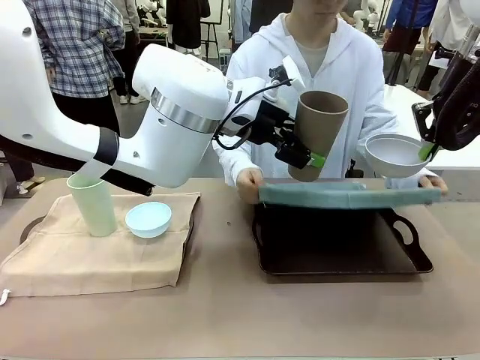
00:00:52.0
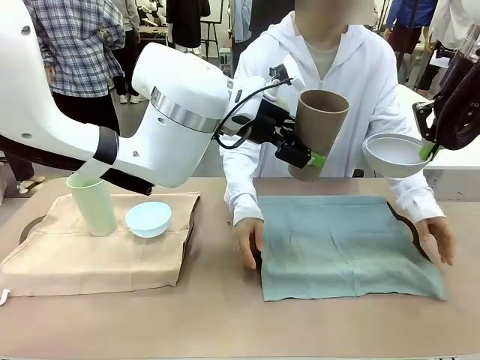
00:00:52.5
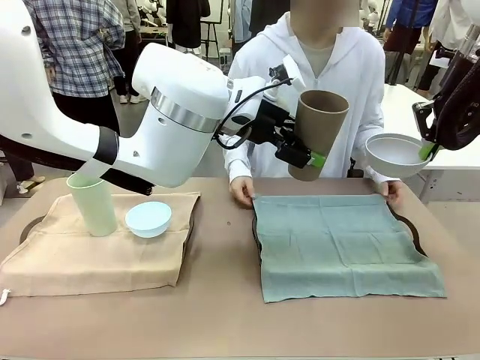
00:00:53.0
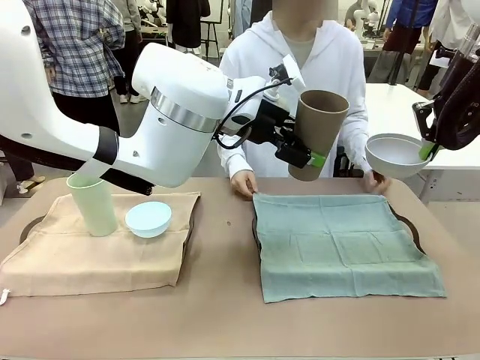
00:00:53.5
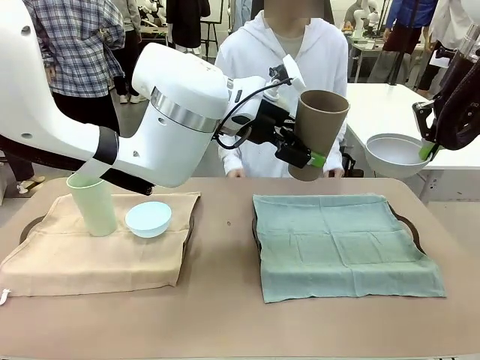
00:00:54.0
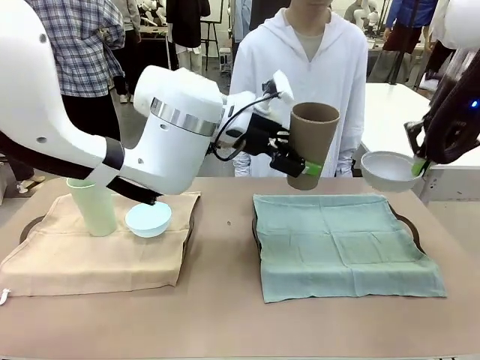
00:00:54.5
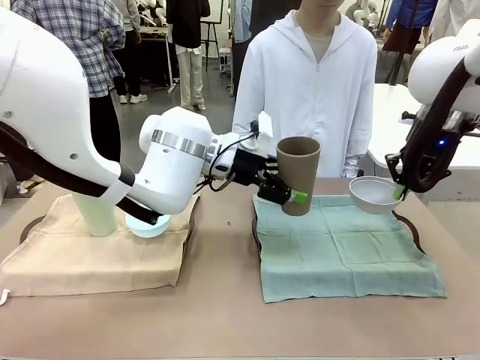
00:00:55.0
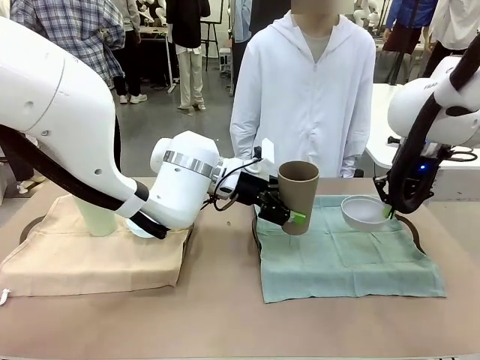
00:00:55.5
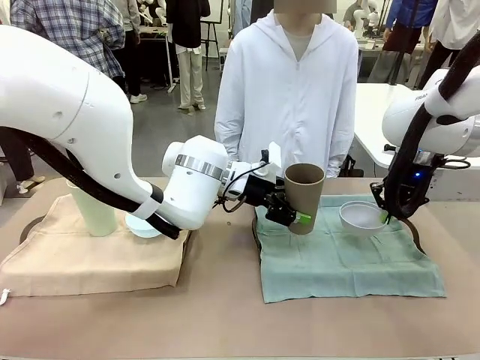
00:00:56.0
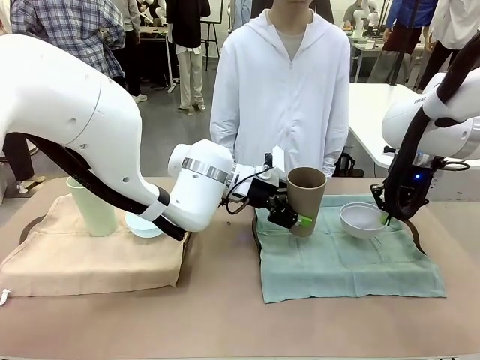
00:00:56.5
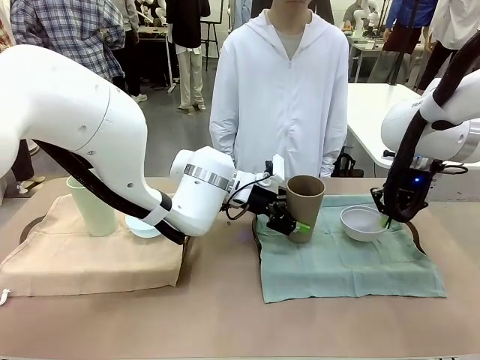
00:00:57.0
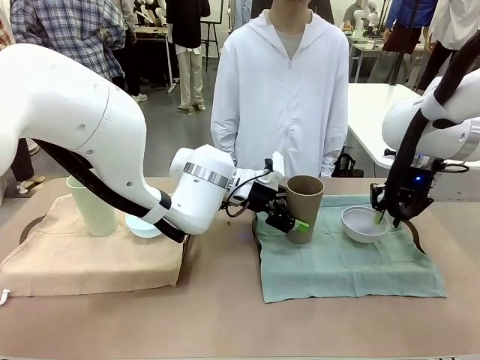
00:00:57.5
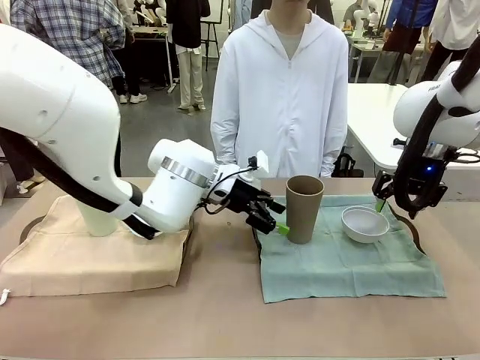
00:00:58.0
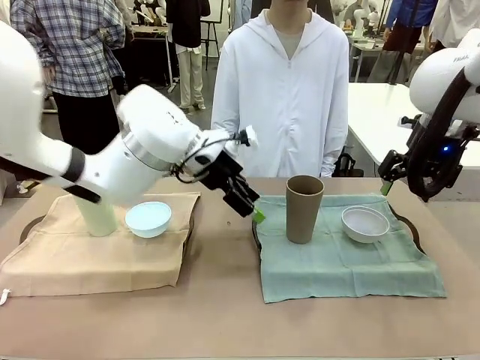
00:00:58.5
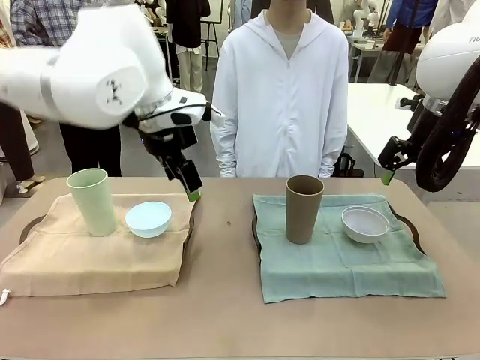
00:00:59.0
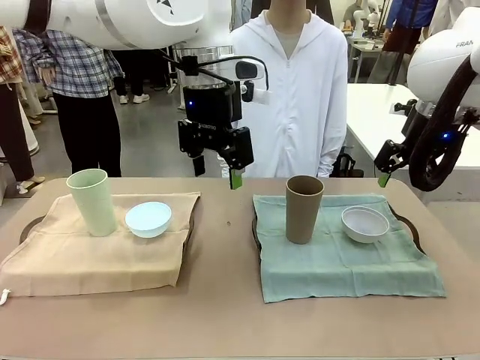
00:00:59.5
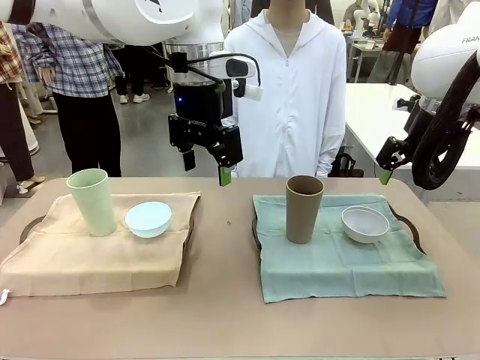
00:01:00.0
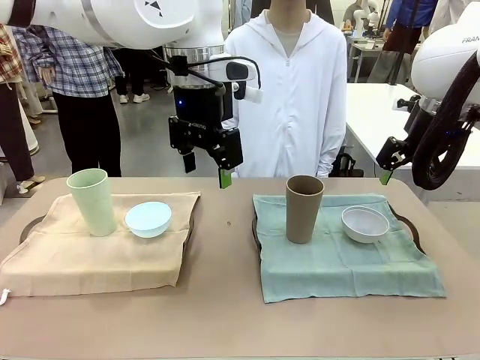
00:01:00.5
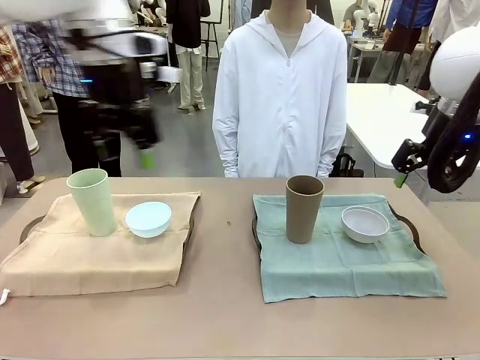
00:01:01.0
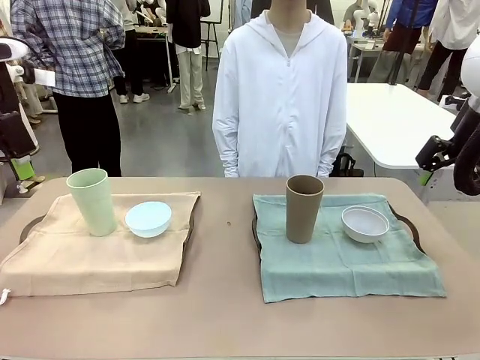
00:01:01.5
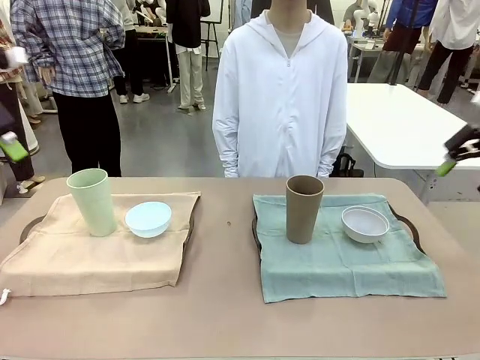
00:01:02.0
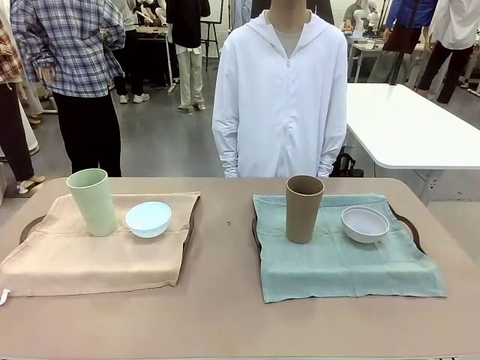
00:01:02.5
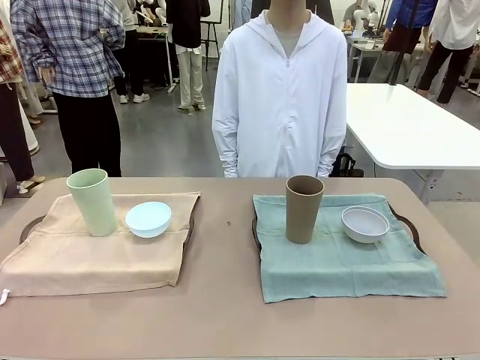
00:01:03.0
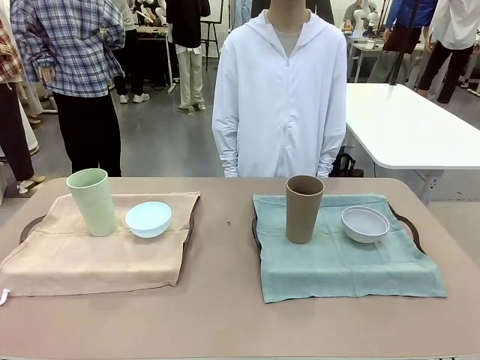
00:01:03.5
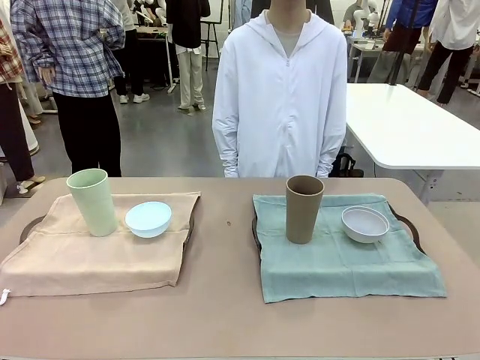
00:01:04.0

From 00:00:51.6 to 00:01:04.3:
Robot: Place the Picnic Bowl and Reusable plastic cup back onto the Handle tray in front of the human's position.

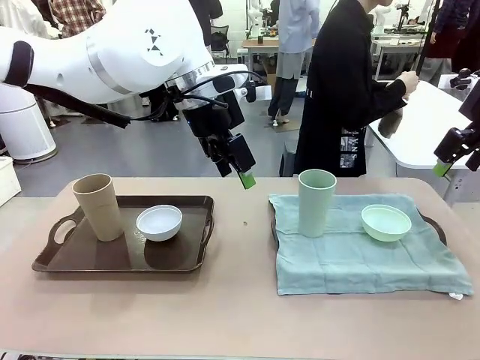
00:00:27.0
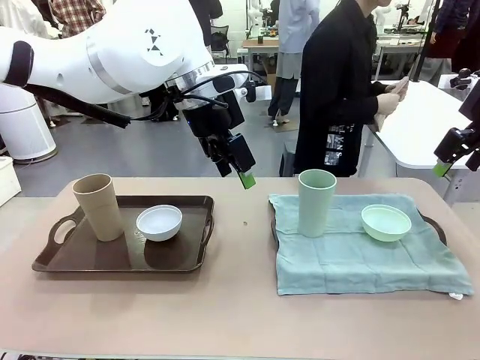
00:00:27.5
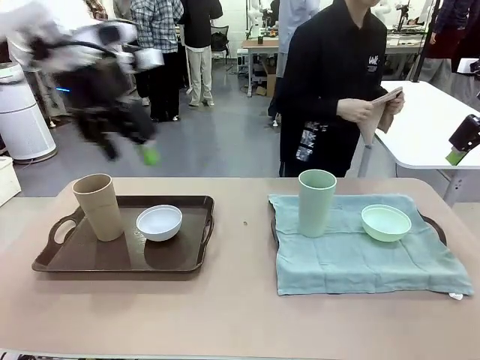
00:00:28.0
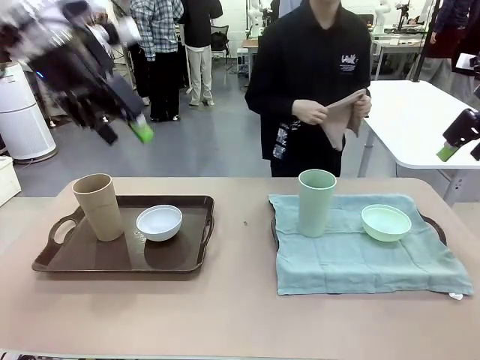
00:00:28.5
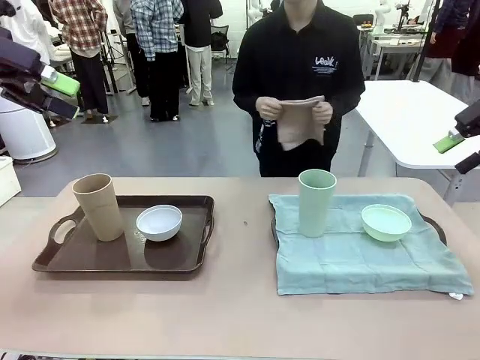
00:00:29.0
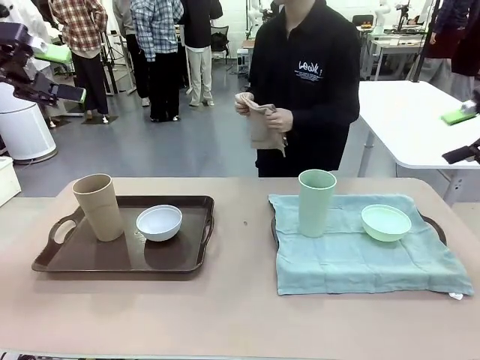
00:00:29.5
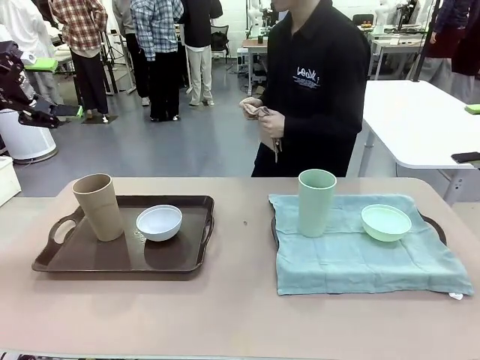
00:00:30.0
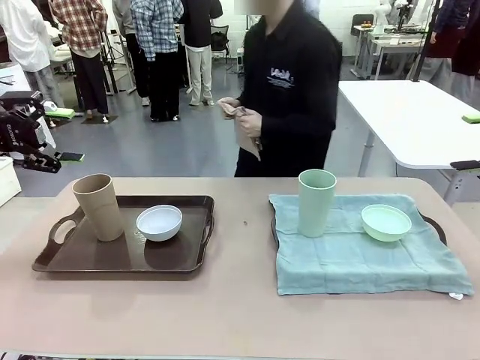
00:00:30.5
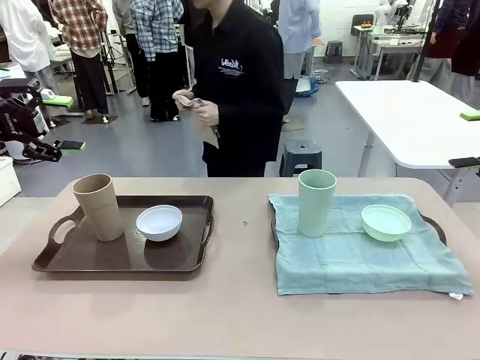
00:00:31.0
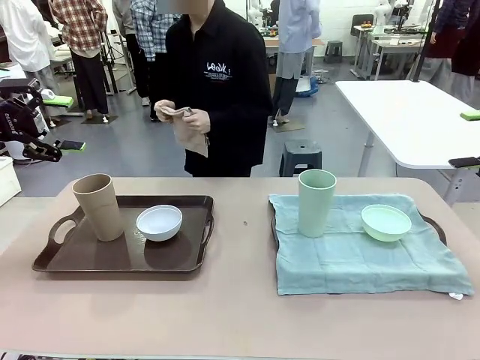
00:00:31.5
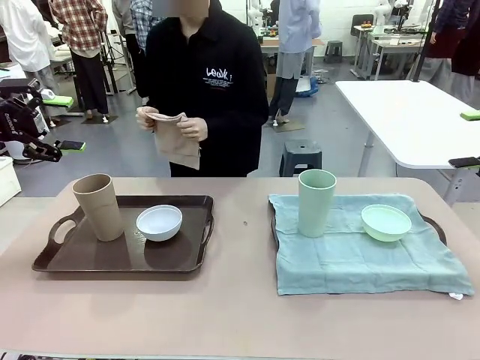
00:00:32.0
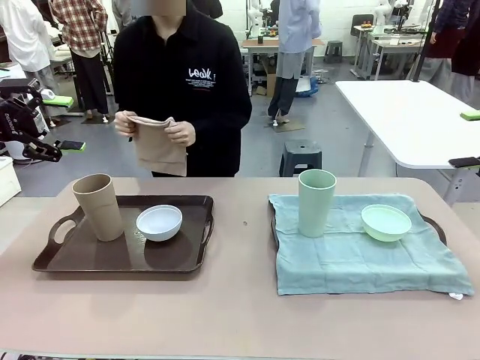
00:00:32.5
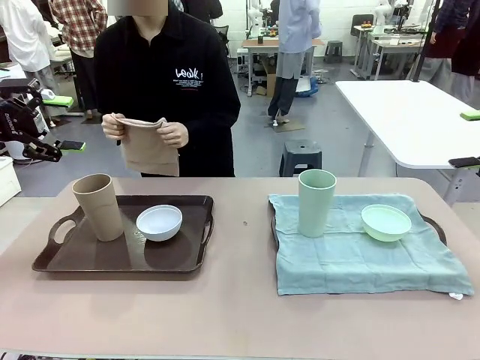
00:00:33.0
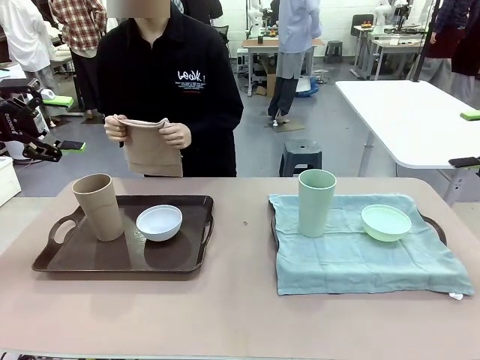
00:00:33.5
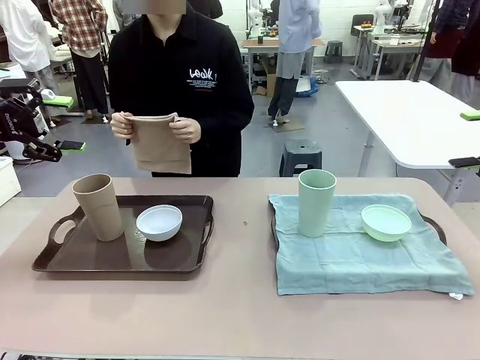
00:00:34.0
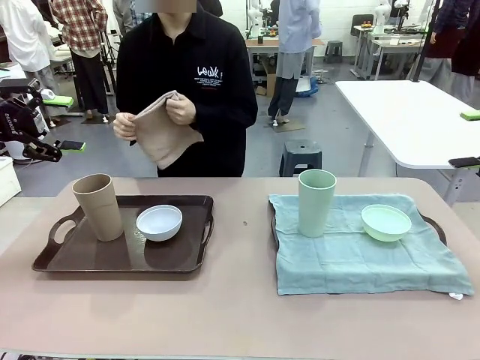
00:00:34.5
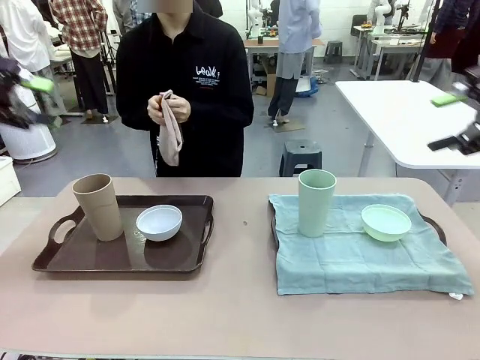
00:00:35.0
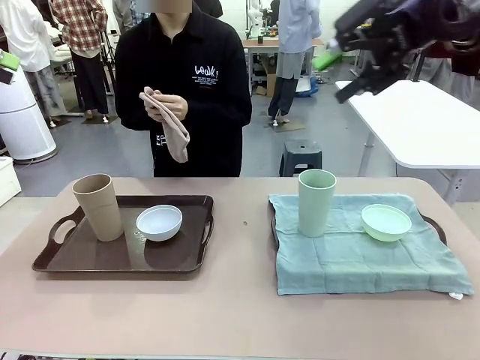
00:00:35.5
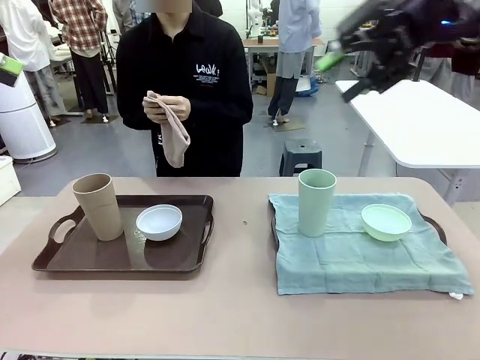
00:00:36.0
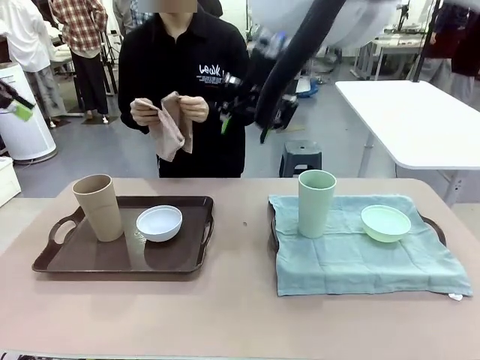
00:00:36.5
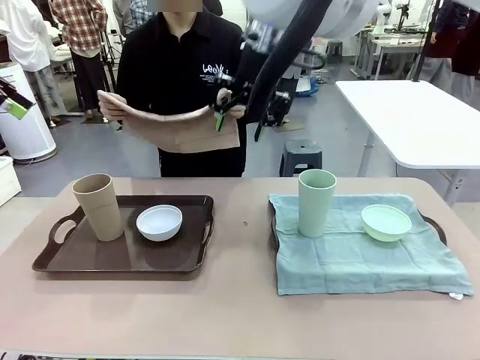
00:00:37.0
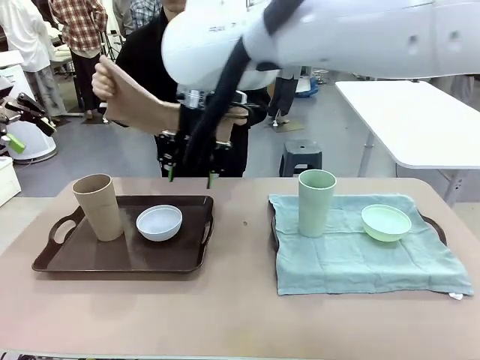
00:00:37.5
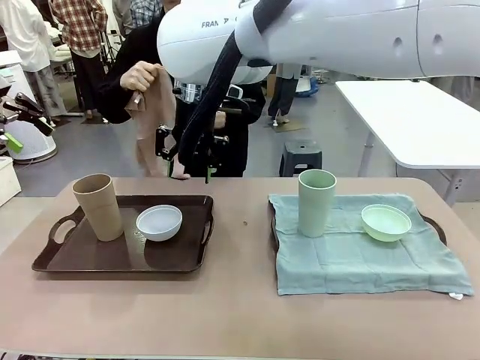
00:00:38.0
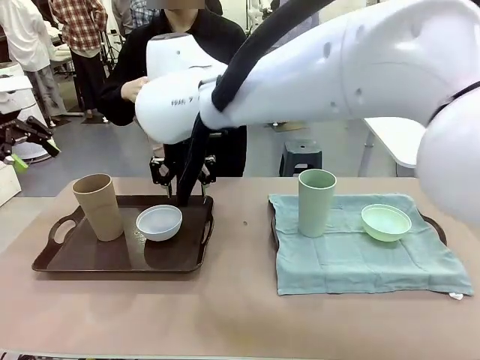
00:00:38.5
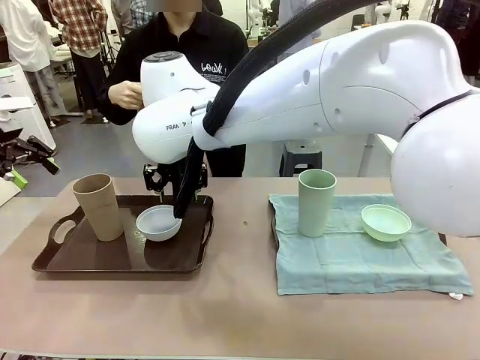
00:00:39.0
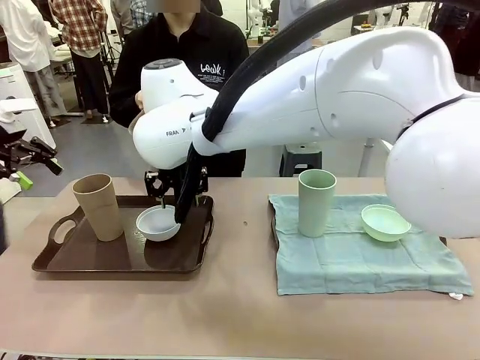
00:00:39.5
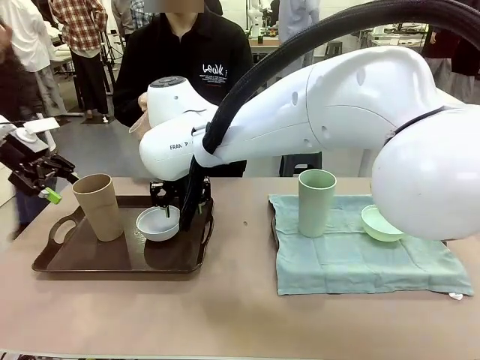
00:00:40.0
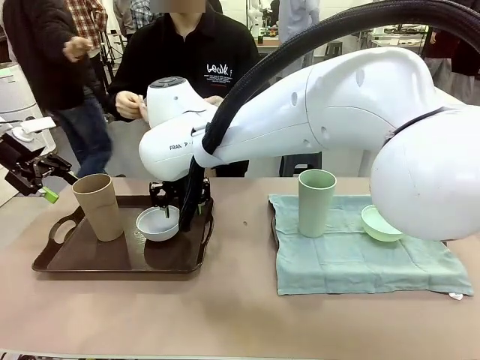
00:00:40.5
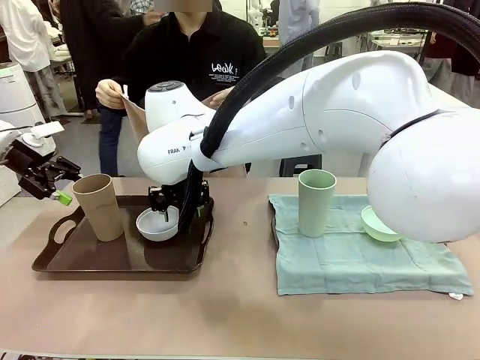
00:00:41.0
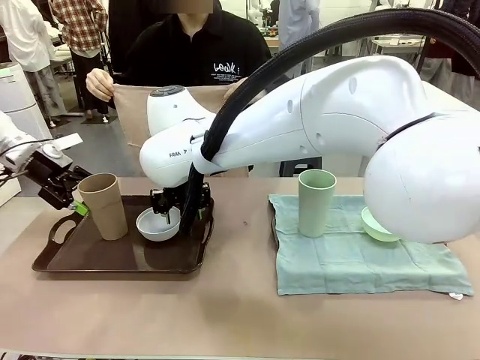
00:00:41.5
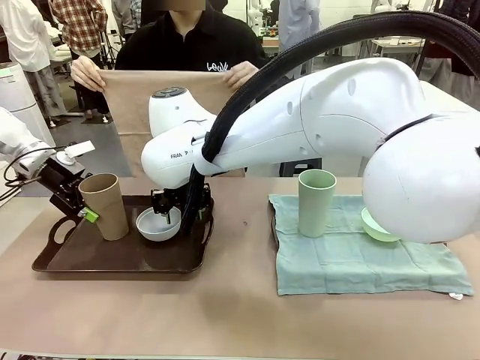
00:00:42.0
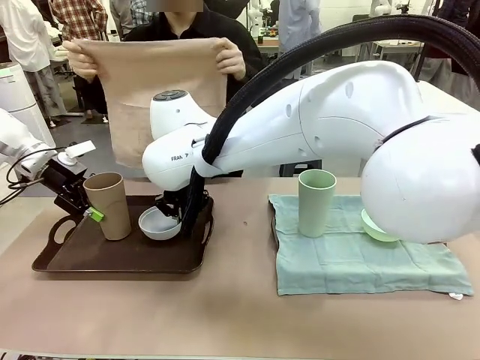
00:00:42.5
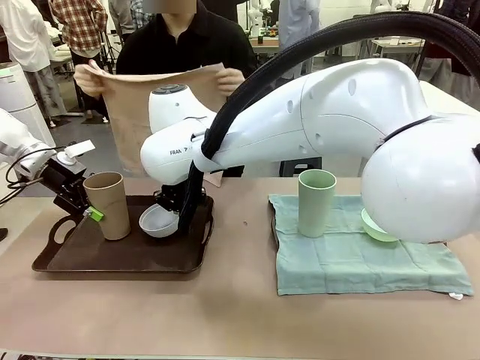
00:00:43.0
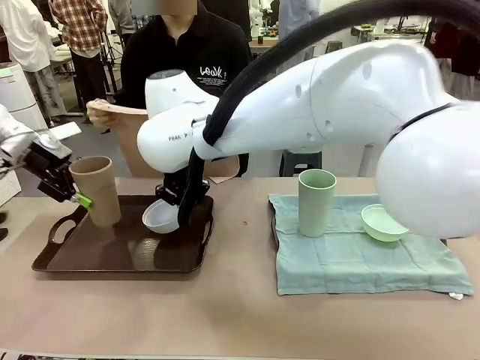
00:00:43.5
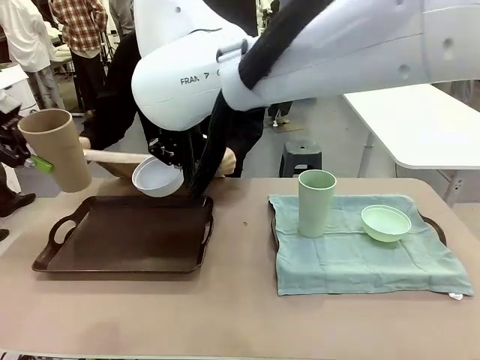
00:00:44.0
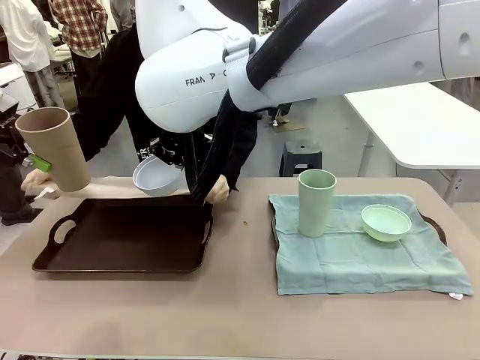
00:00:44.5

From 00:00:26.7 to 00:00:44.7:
Robot: Pick up the Picnic Bowl and Reusable plastic cup from the Handle tray in front of the human's position and hold them in the air.
Person: The human returns to the human table to pick up another napkin and walks to the robot table to stand in front of the tray without a napkin.
